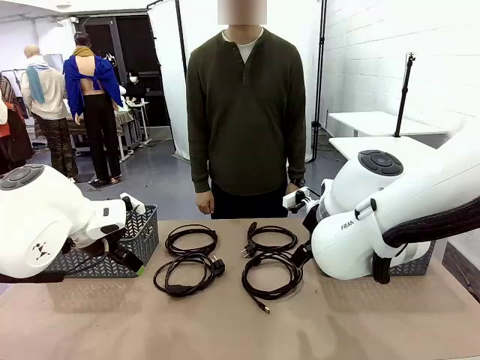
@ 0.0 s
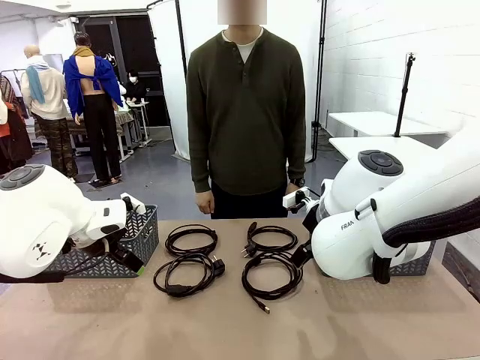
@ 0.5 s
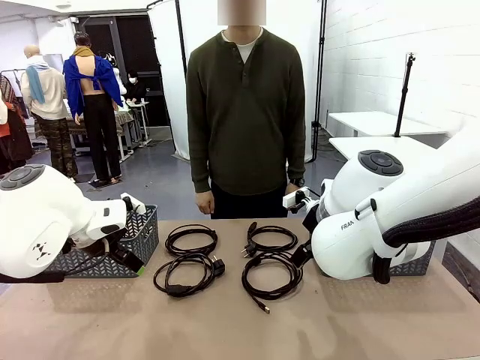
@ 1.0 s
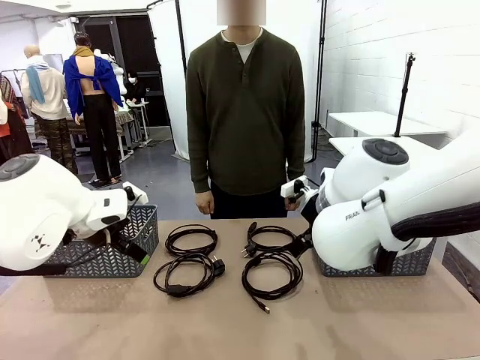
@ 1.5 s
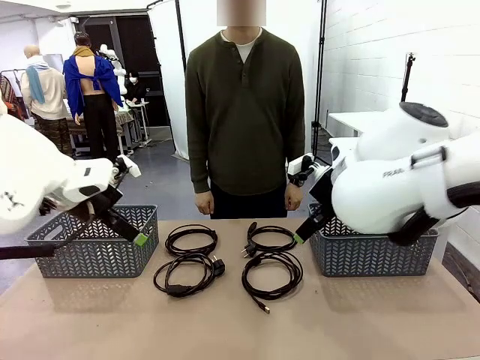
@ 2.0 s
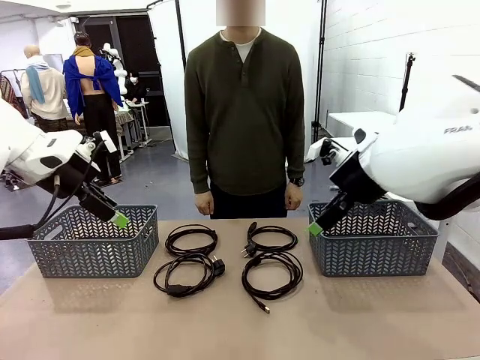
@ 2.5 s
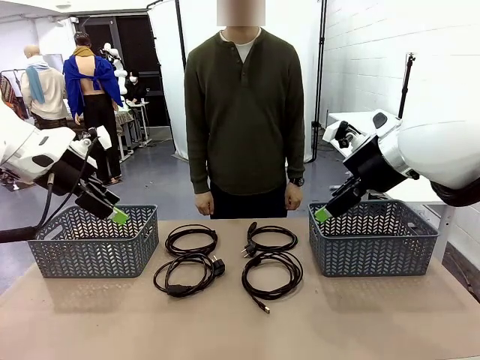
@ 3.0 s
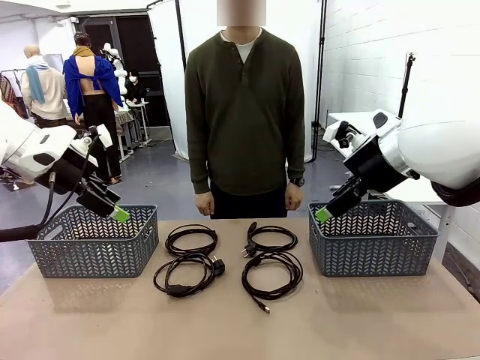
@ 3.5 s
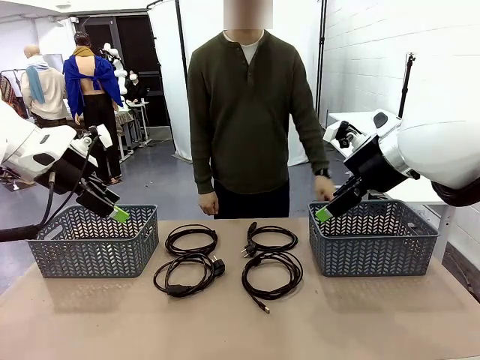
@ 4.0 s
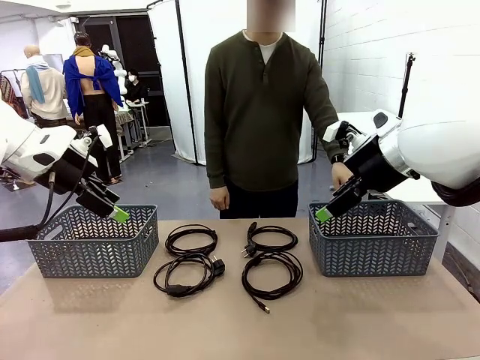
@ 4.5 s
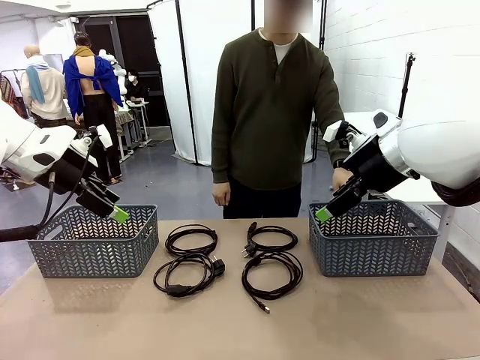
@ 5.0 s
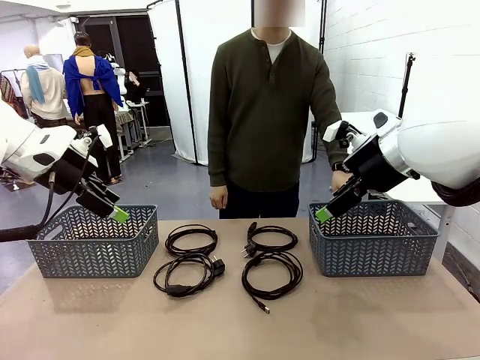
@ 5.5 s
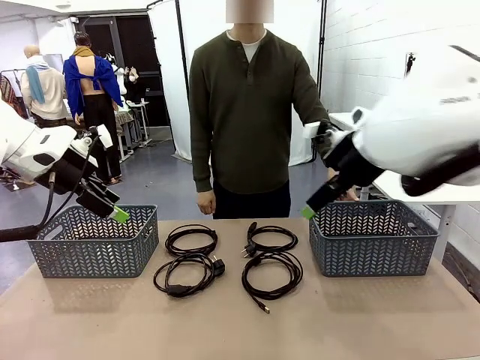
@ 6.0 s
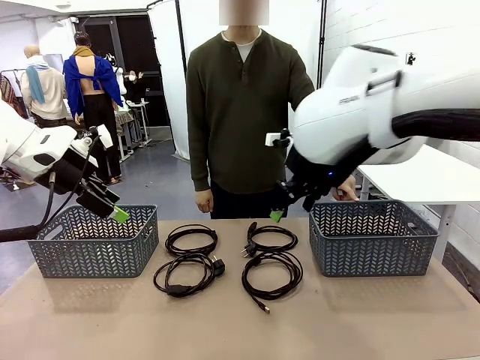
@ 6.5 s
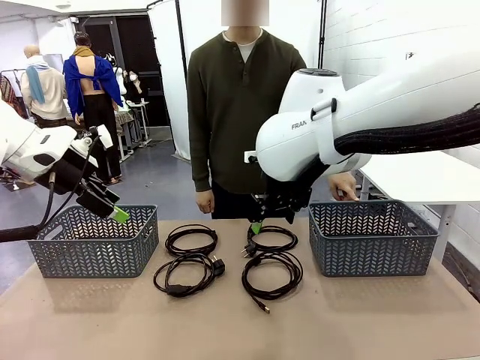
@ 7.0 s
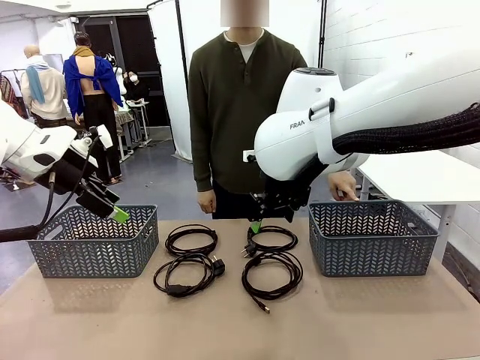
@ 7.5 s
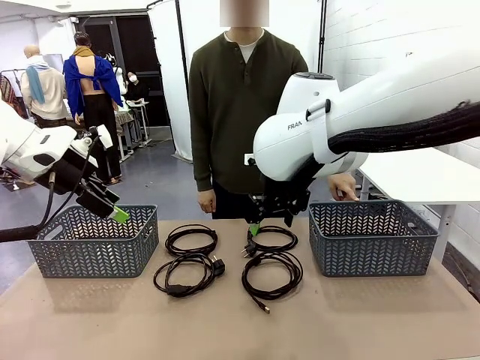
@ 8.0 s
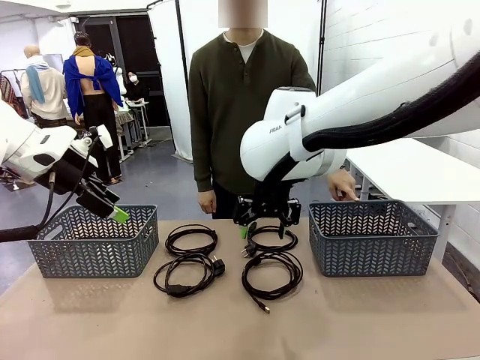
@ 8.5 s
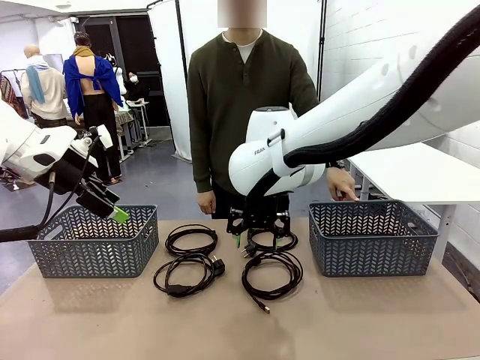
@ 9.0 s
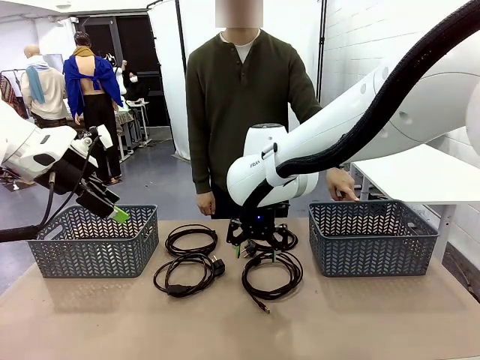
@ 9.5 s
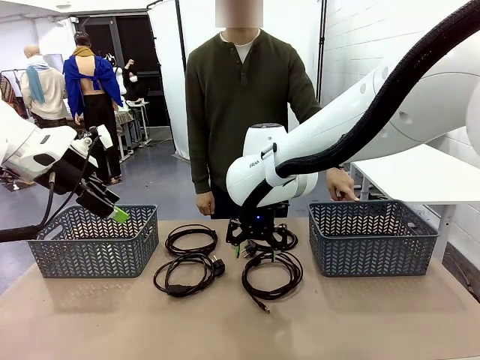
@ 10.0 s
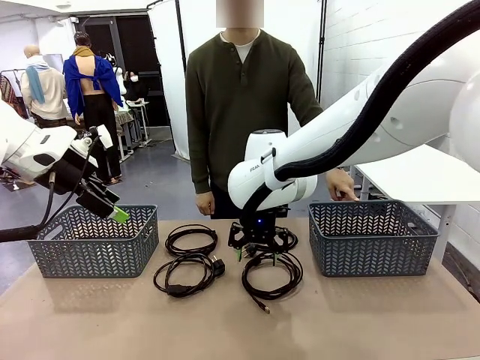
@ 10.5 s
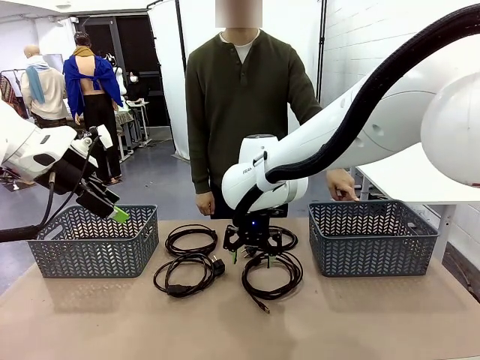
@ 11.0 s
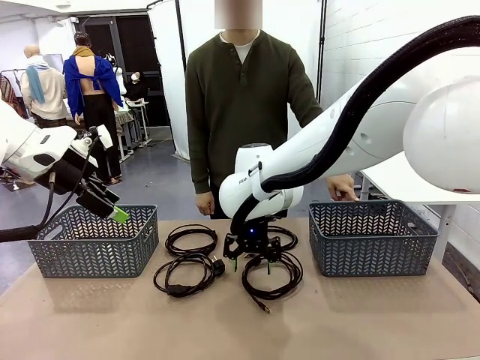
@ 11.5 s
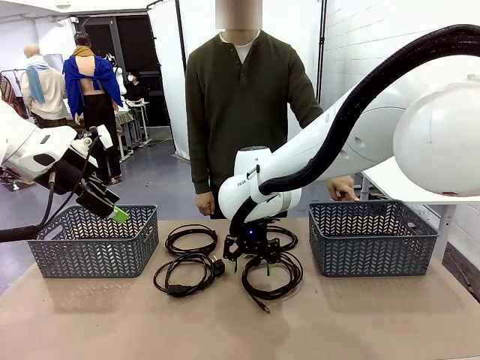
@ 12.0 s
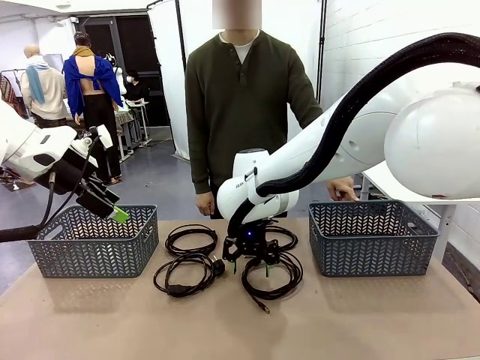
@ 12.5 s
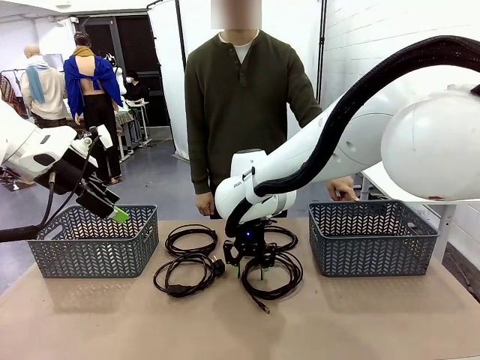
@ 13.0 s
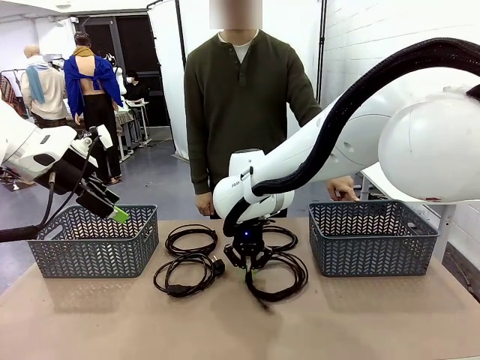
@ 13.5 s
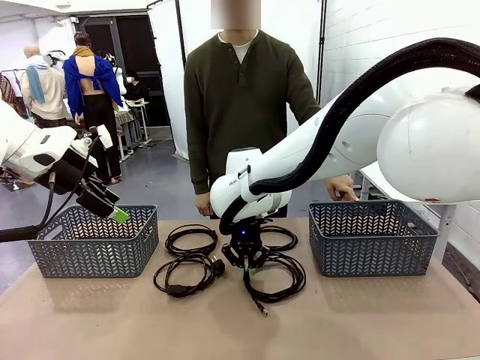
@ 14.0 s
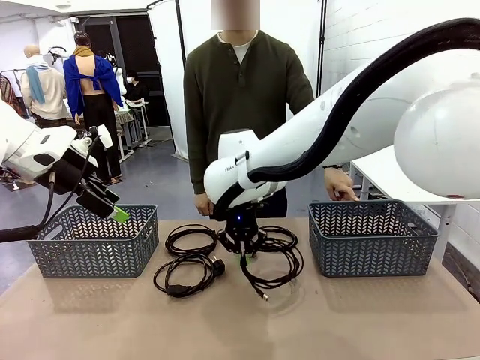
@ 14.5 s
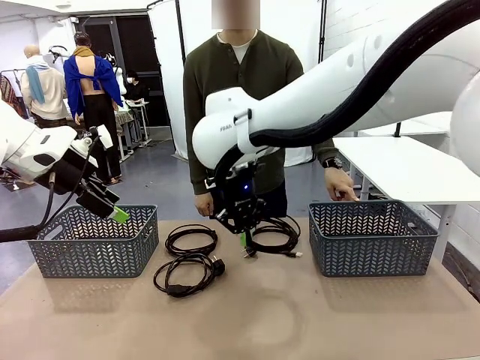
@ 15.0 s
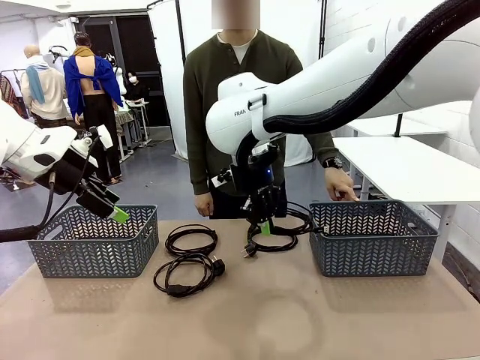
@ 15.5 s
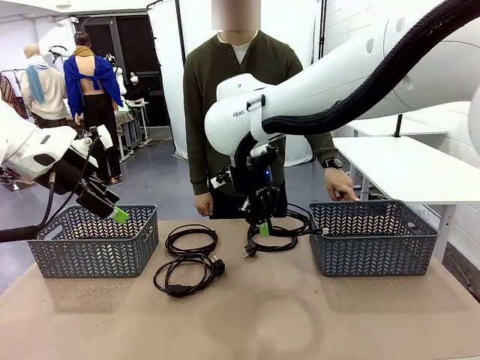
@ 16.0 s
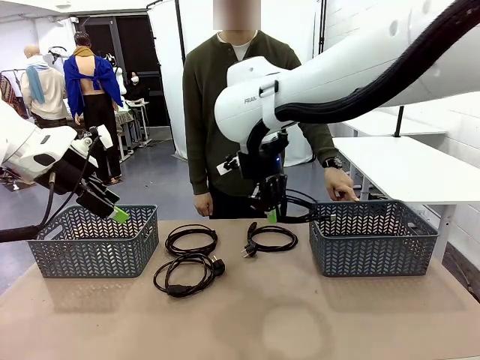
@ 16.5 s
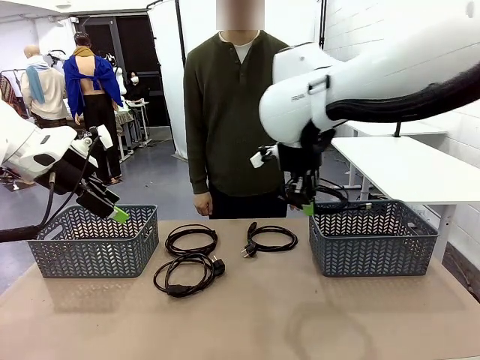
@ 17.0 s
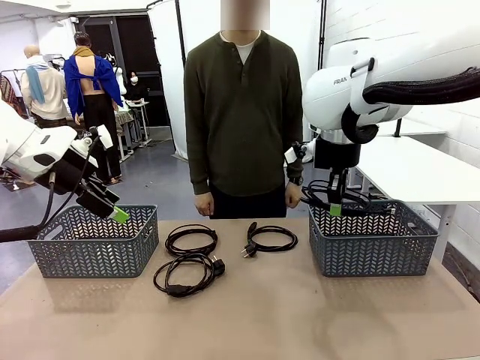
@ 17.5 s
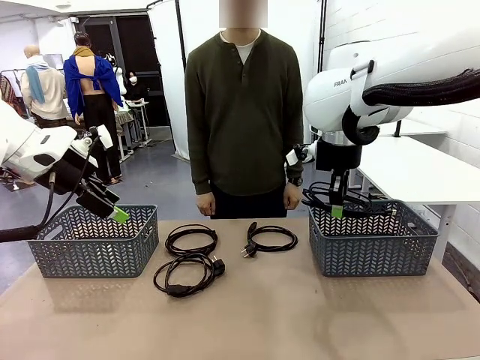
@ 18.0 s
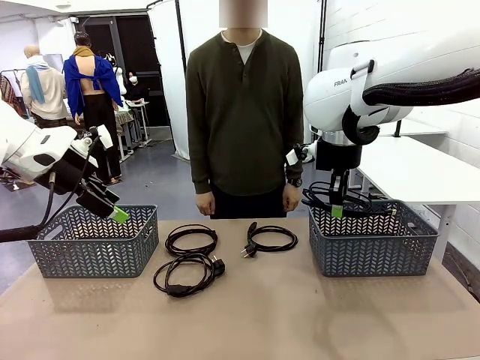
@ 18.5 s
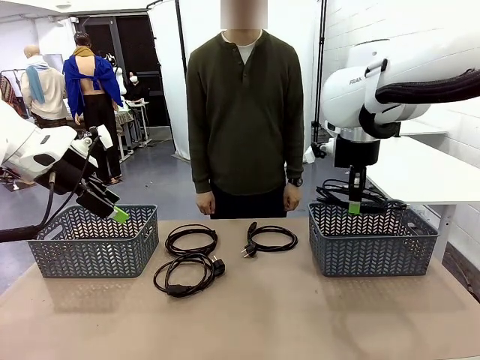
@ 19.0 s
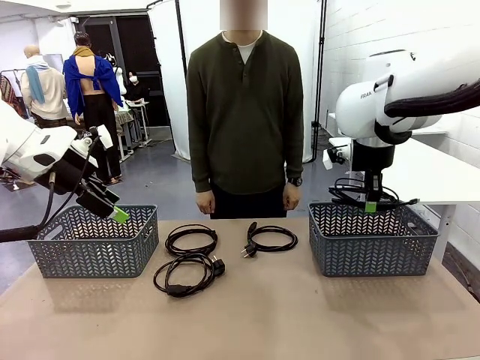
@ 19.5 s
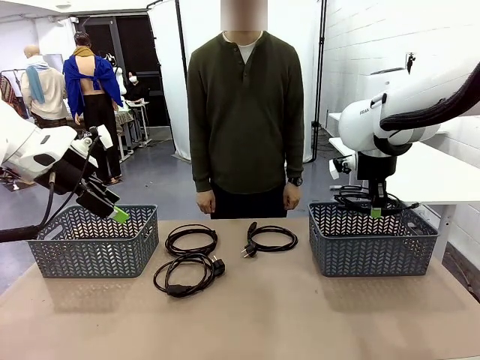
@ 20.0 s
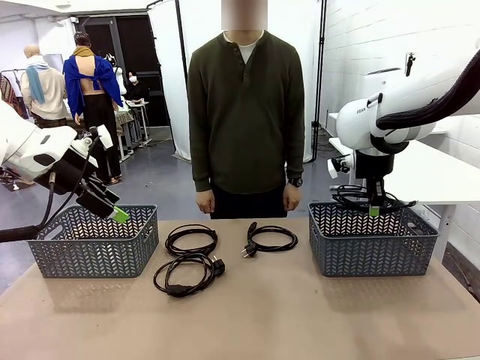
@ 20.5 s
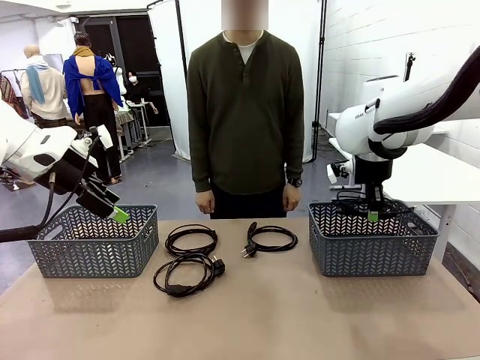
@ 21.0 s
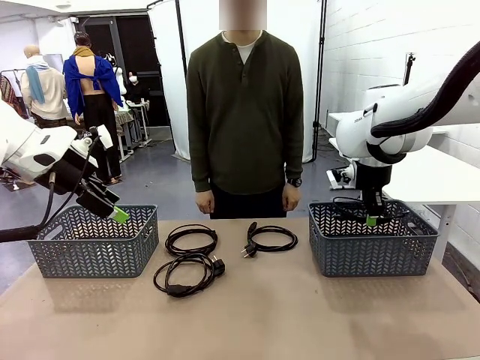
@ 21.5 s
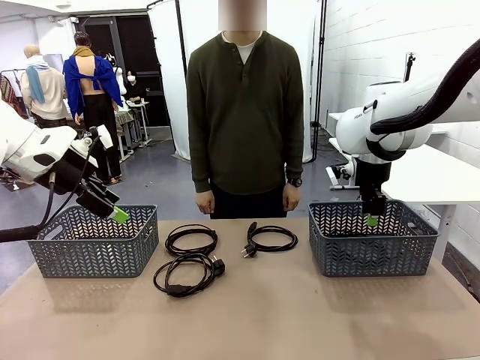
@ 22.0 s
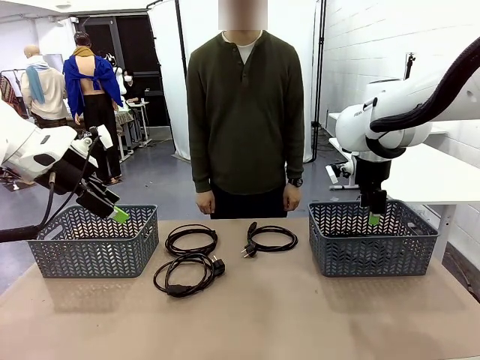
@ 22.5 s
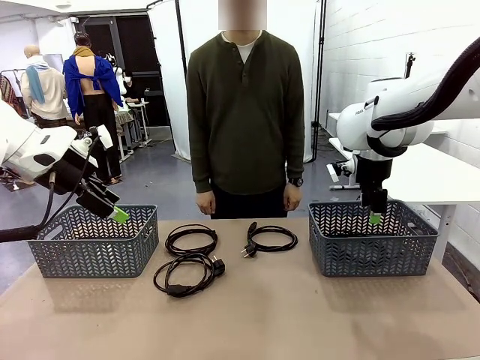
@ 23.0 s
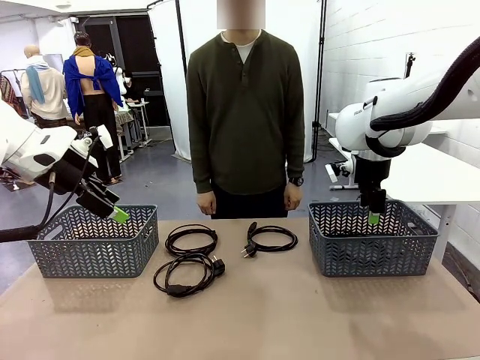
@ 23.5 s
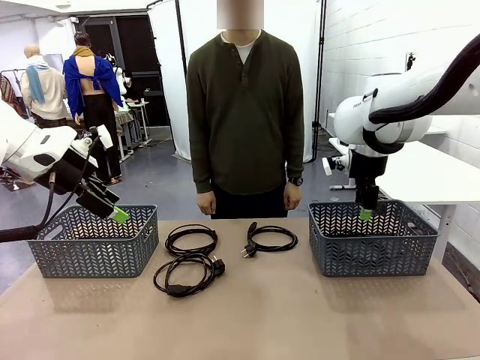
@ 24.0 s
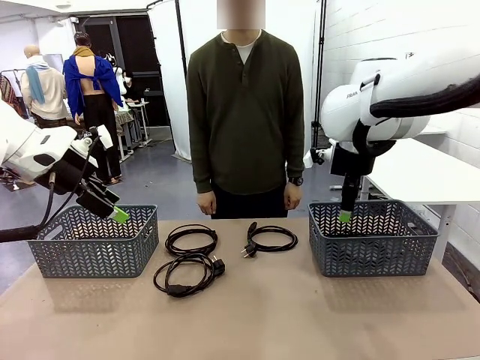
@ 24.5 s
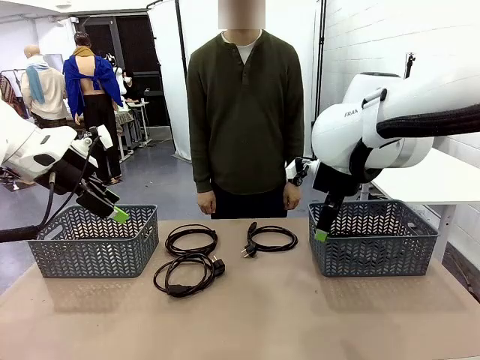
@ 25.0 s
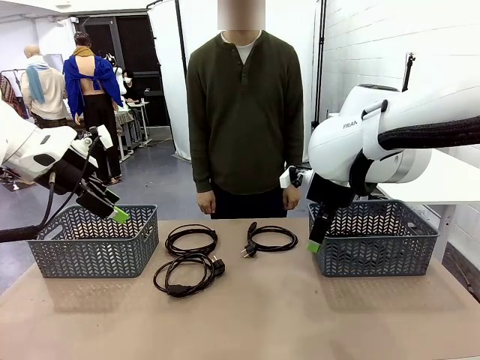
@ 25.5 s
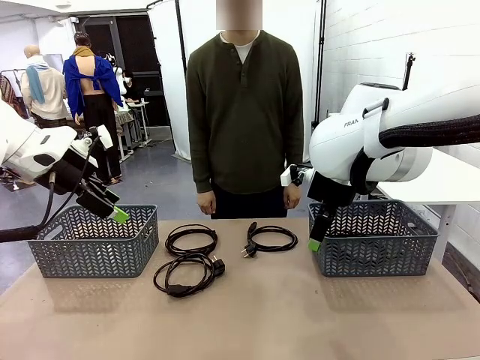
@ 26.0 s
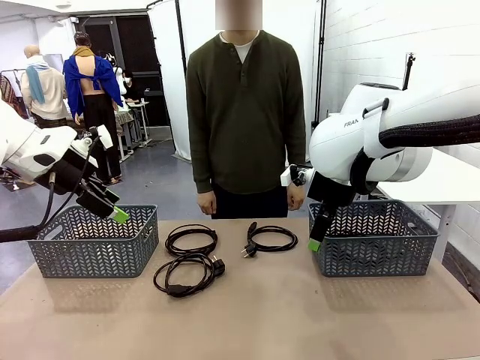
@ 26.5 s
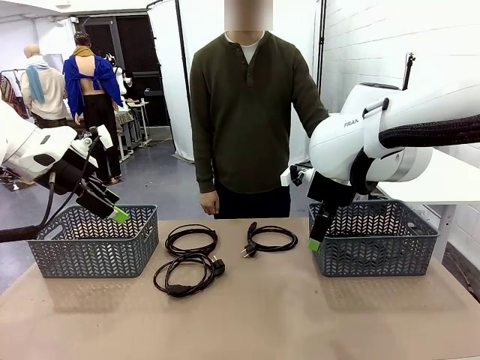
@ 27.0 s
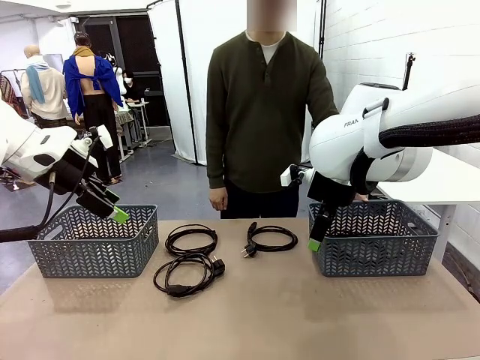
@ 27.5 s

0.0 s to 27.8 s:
Task: Organize the cables according to human instructions.
Robot: Pick up a bundle of cables and place it in the basket indicated by the human.
